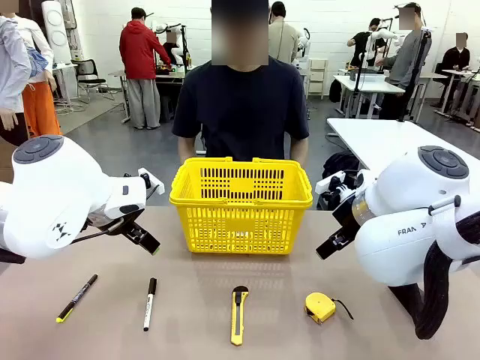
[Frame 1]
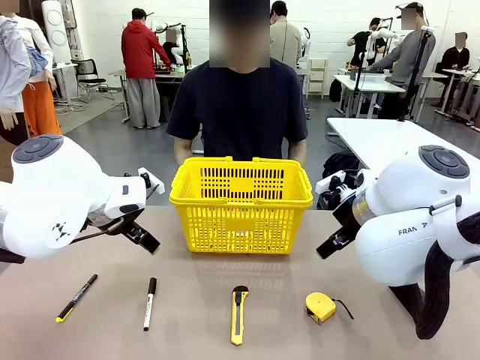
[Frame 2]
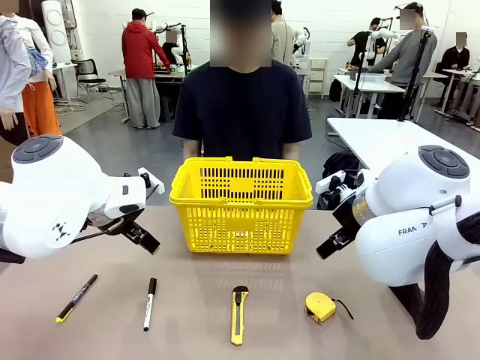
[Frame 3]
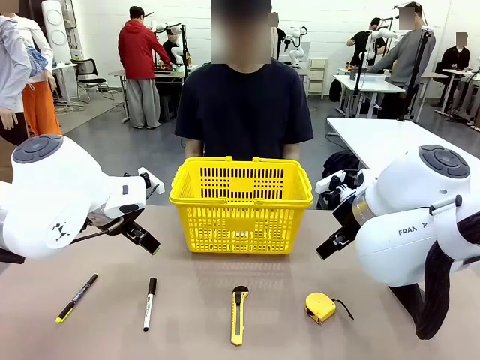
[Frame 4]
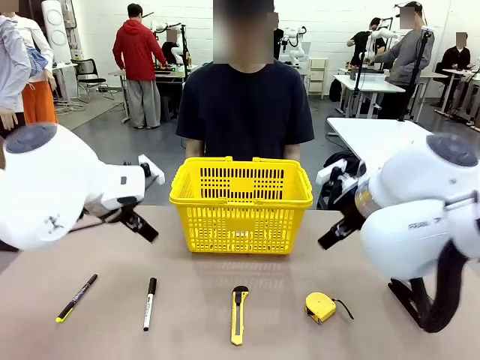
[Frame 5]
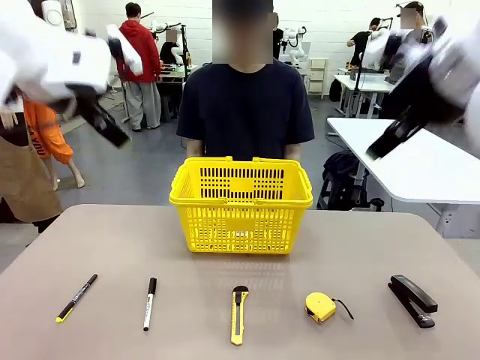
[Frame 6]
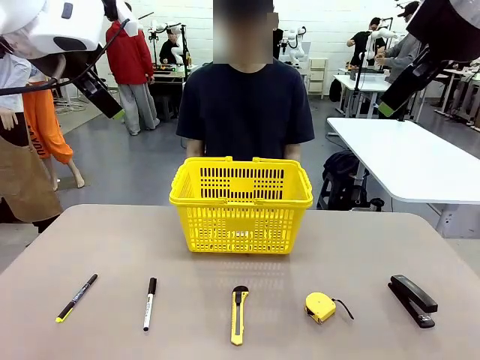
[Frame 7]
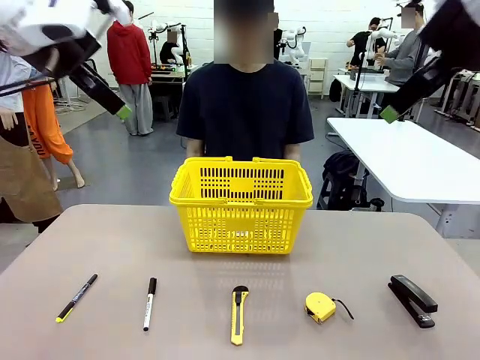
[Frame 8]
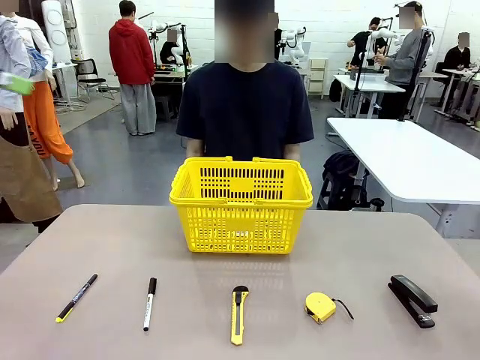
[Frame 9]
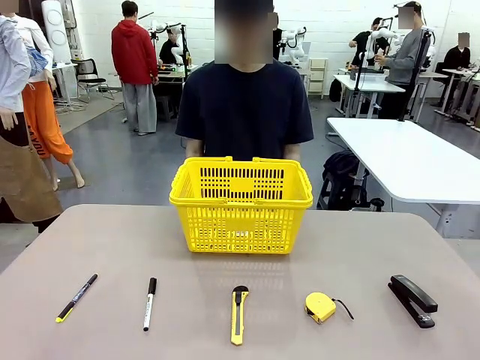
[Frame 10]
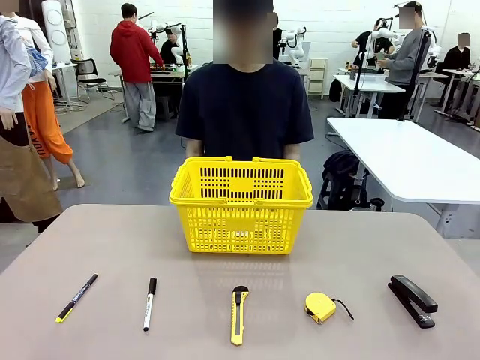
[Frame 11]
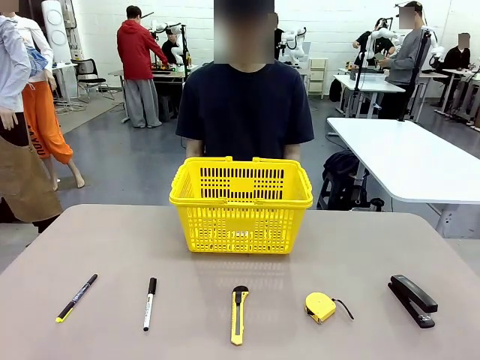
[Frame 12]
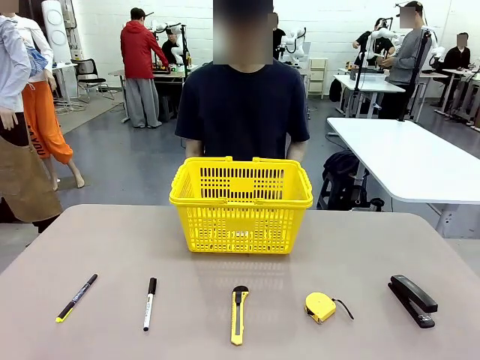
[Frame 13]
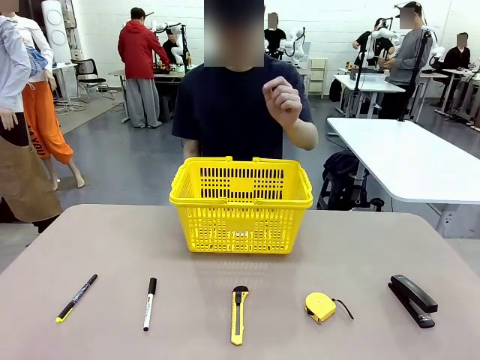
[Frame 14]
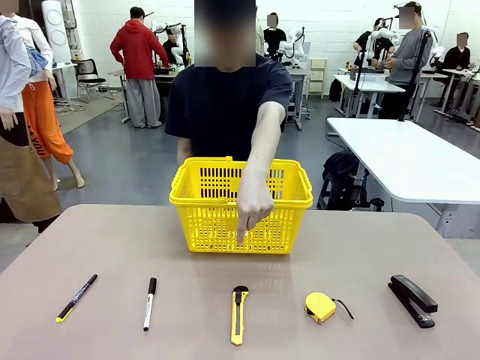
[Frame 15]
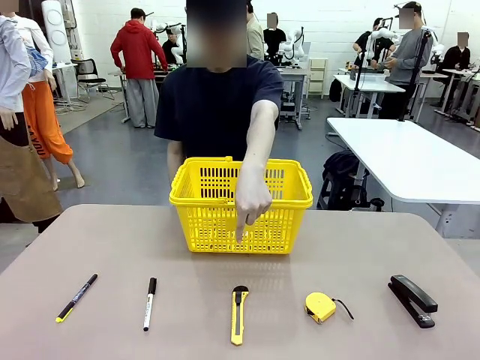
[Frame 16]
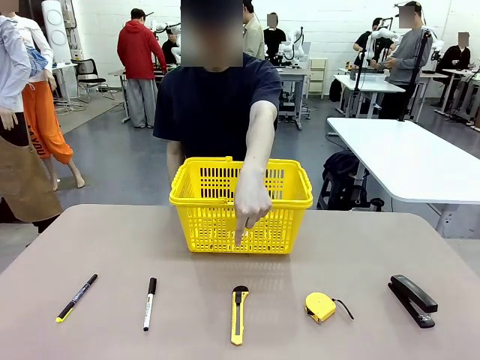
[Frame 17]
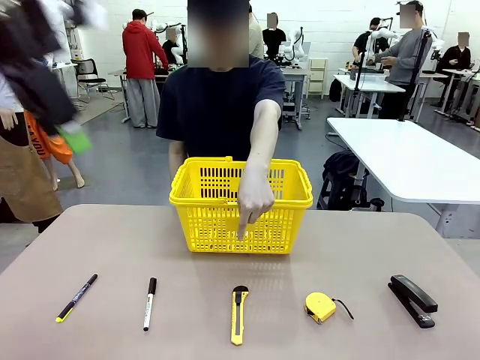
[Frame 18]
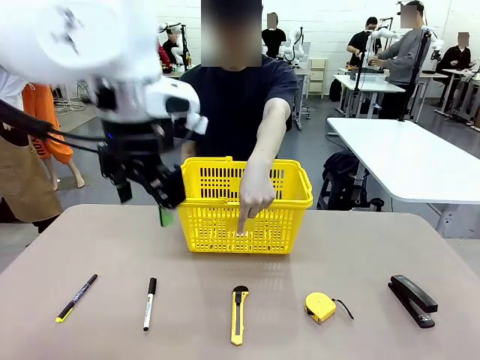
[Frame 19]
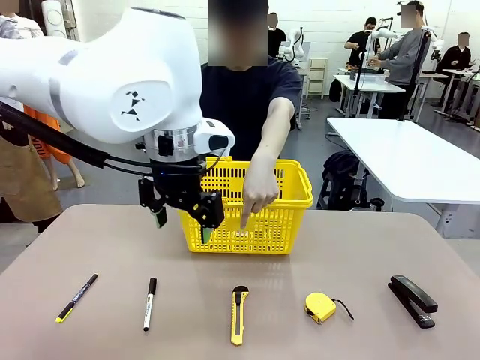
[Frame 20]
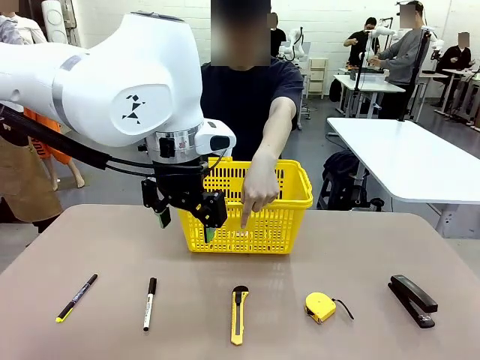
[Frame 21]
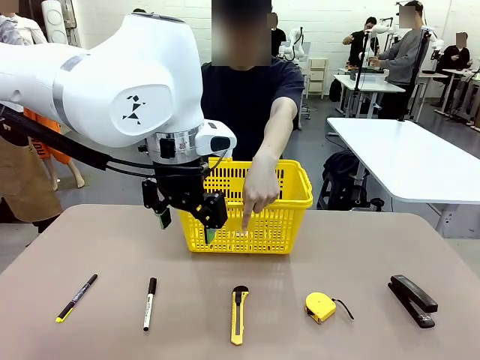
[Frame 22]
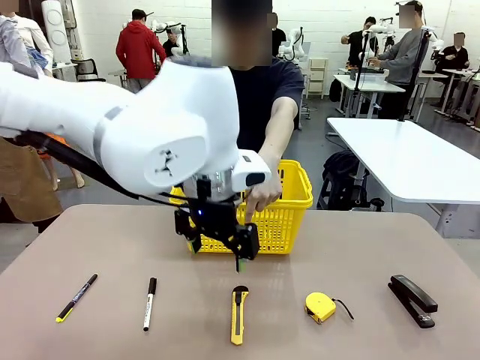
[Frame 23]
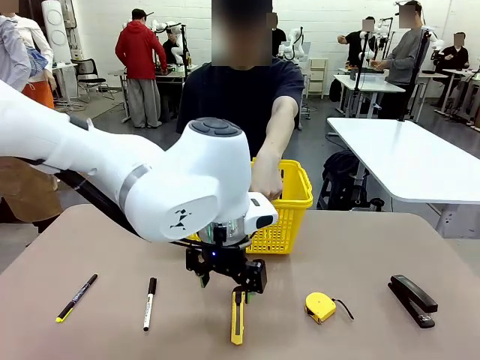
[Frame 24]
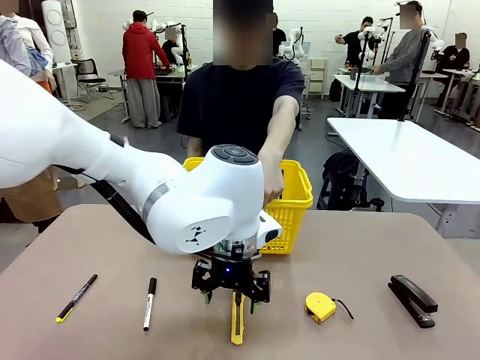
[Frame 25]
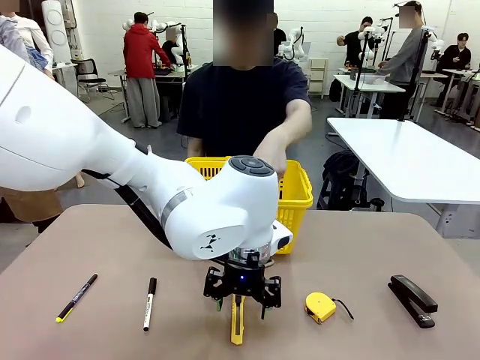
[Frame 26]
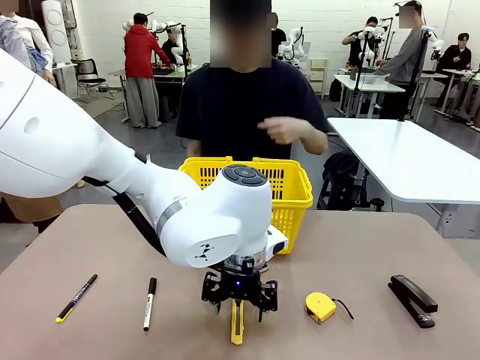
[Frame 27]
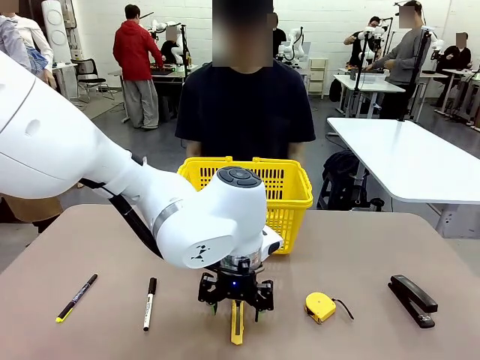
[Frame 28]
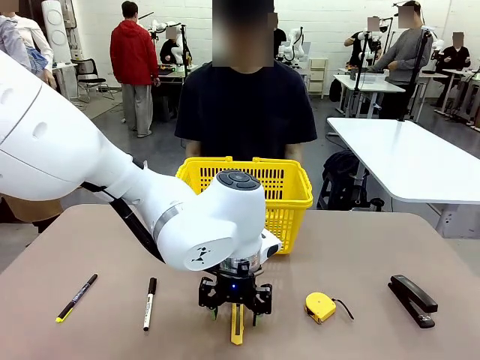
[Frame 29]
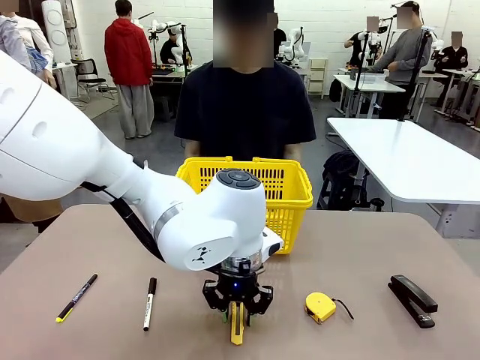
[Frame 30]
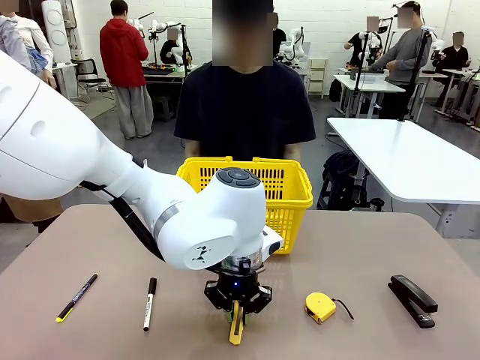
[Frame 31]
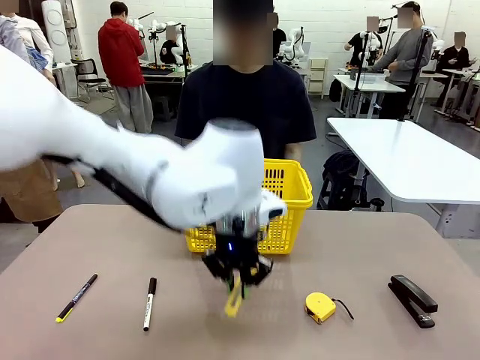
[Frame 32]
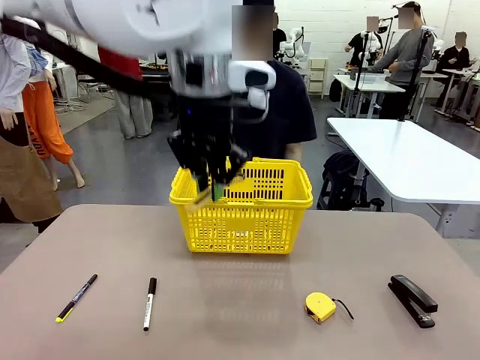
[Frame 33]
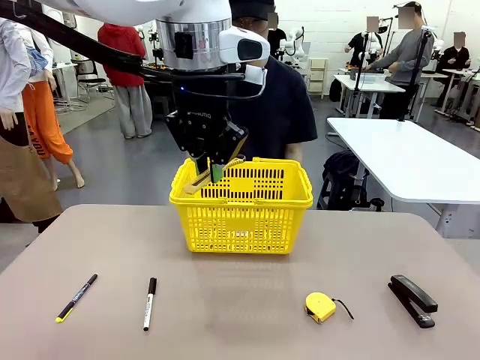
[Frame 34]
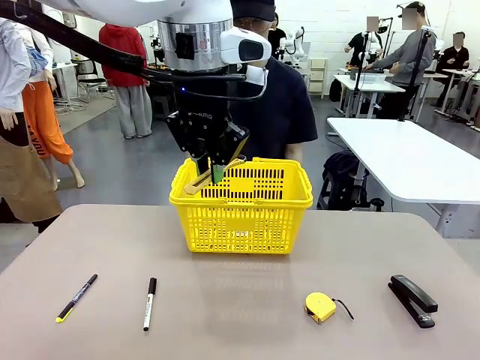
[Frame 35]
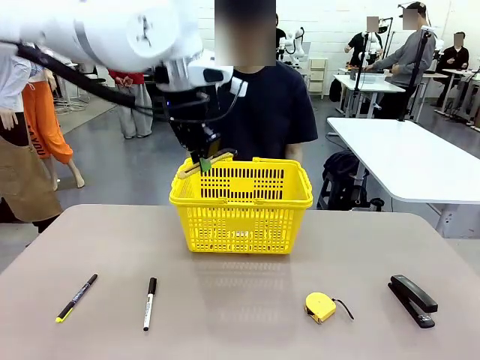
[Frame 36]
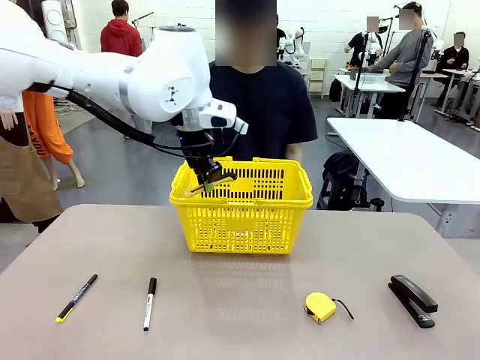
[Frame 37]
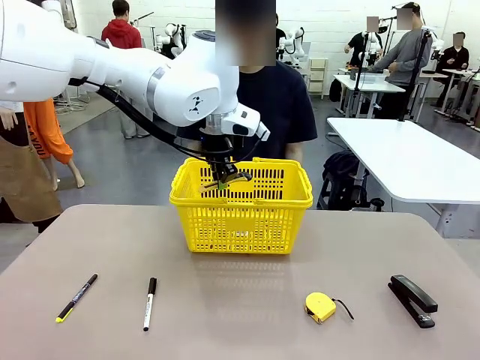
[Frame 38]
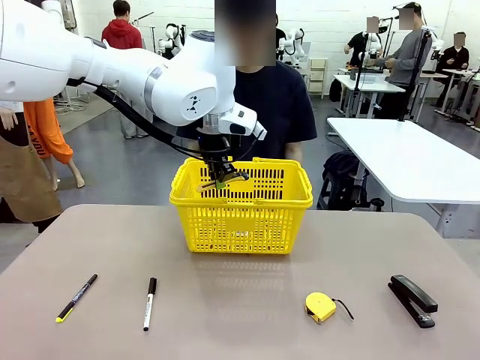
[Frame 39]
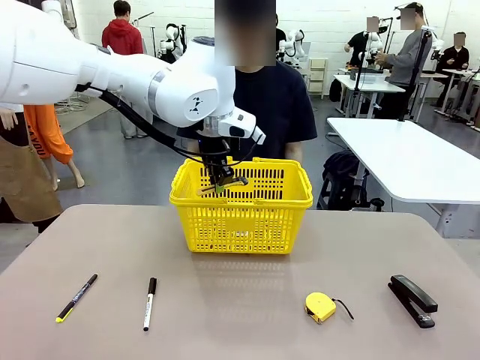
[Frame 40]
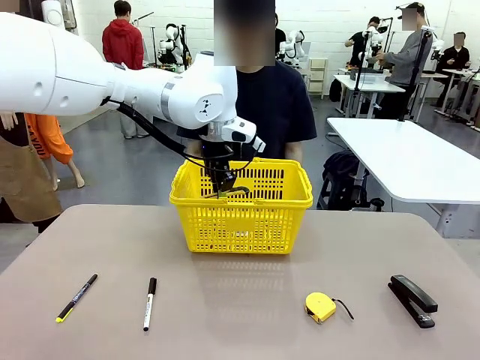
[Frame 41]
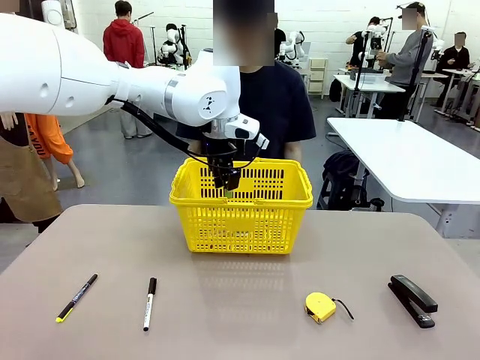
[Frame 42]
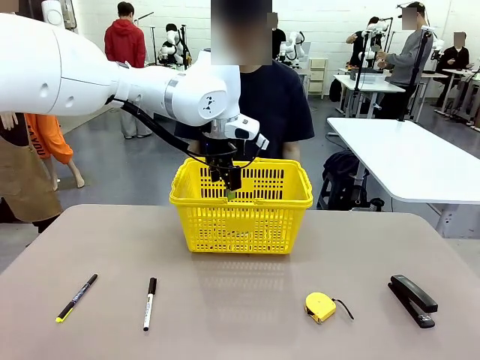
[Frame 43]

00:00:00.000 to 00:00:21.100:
Task: Place the items the person wants into the basket.
Robot: Pick up the item the person points to and place it in the Market Basket.

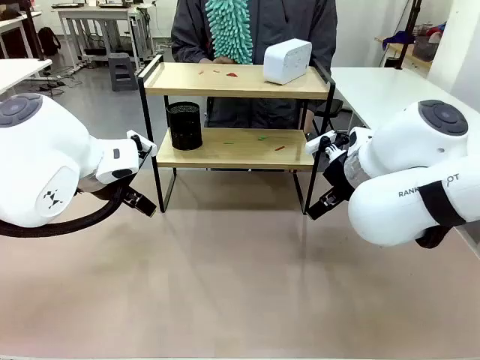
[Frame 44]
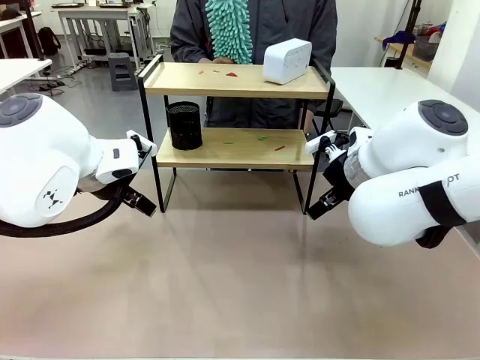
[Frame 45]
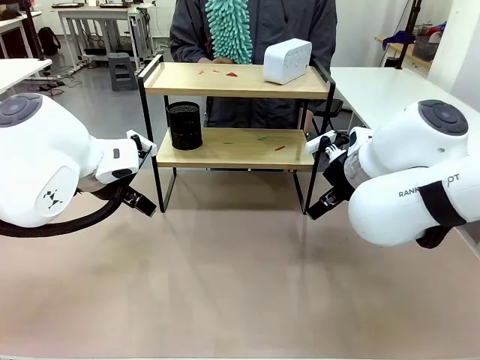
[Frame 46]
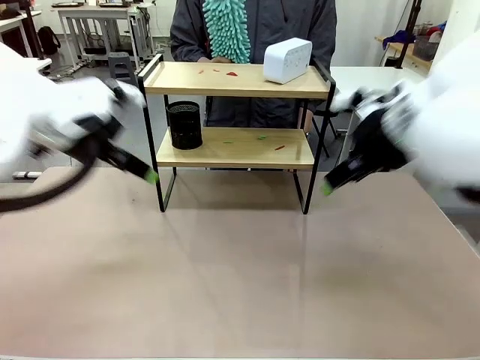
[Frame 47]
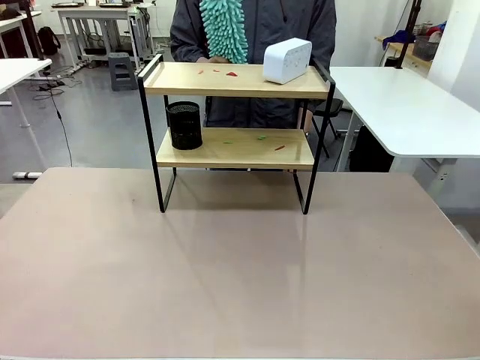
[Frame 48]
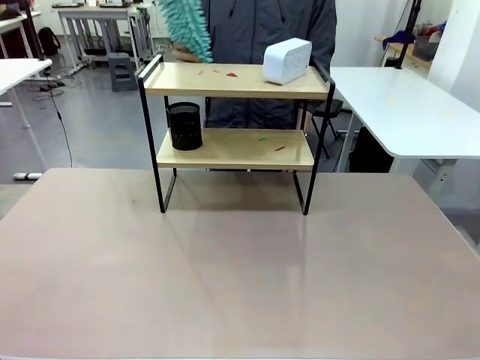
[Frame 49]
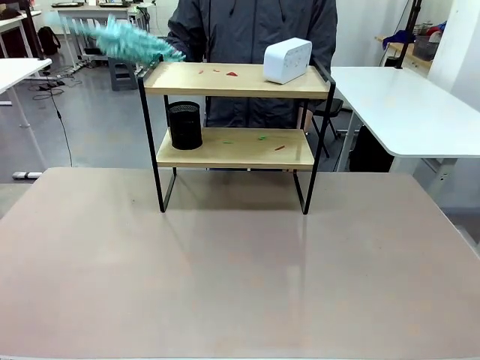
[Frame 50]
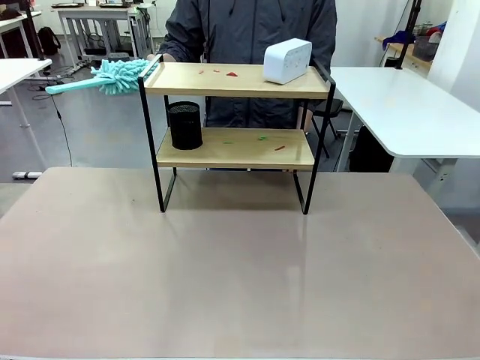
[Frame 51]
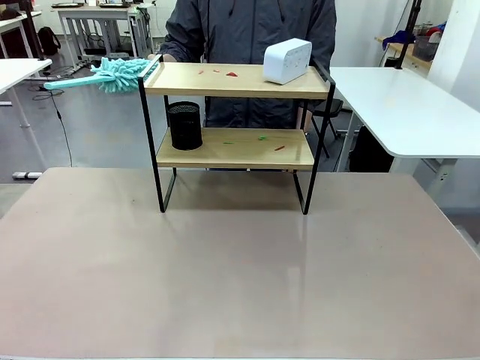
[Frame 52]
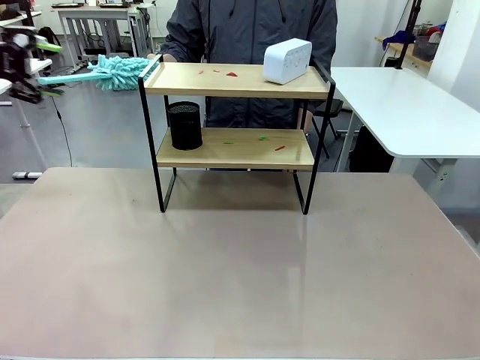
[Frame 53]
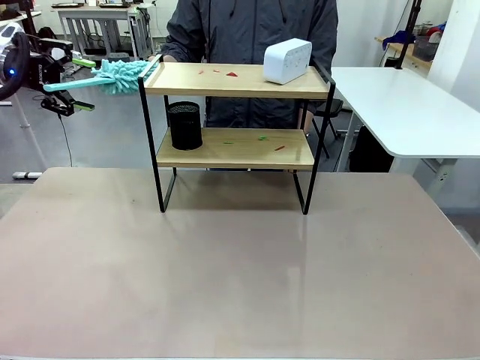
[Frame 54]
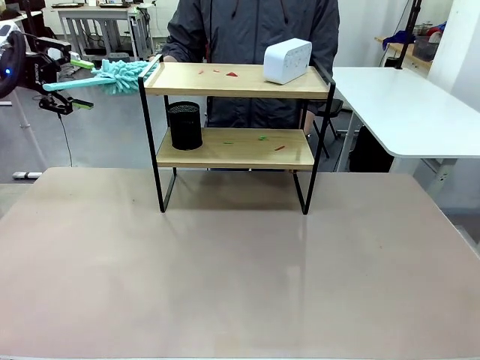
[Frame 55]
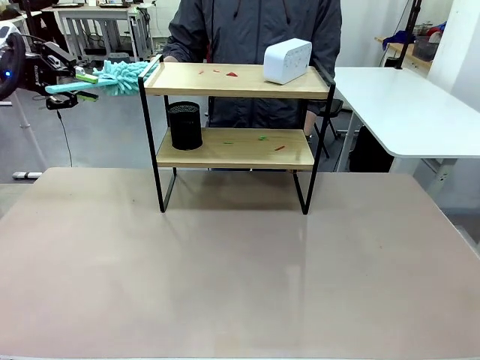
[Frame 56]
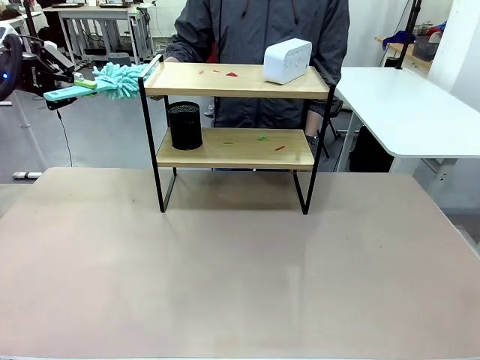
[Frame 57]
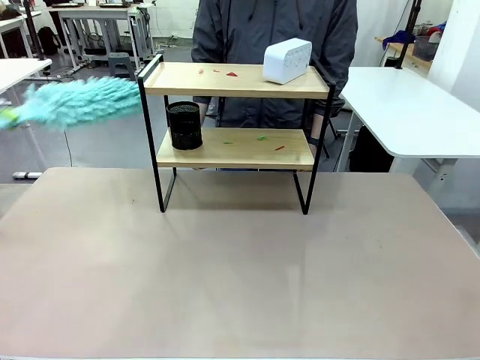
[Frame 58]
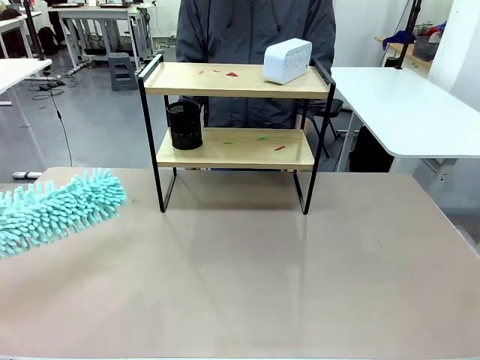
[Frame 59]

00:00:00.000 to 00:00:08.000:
Task: Clean the shelf.
Robot: Pick up the Duster from the human.
Person: Hand the Duster to the robot.
